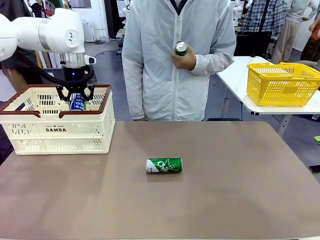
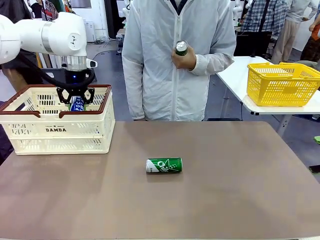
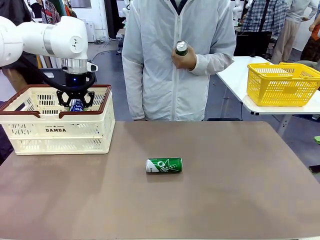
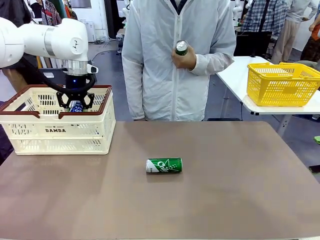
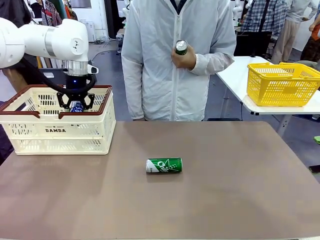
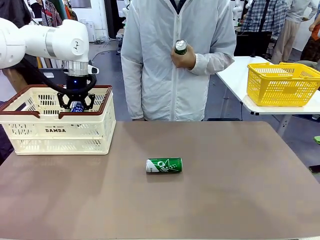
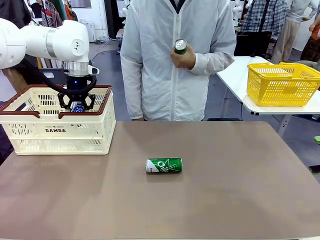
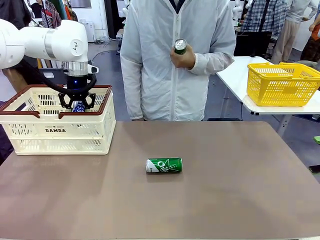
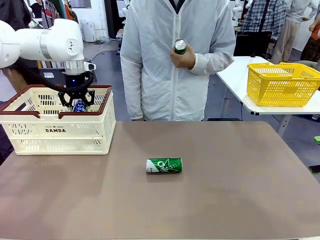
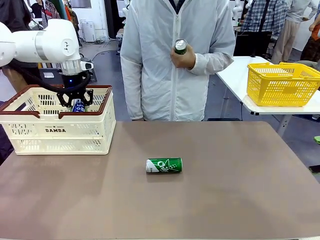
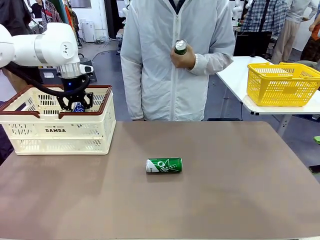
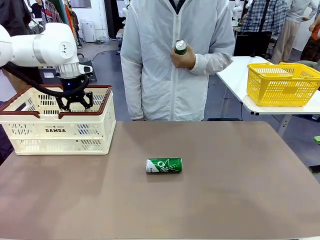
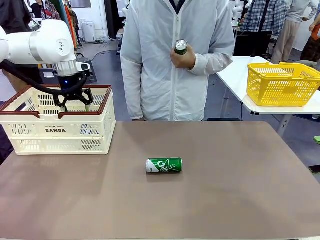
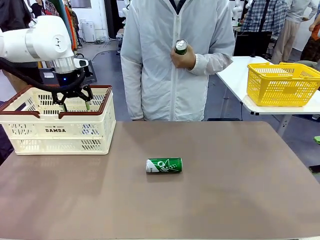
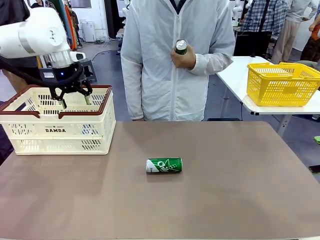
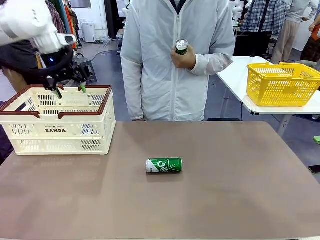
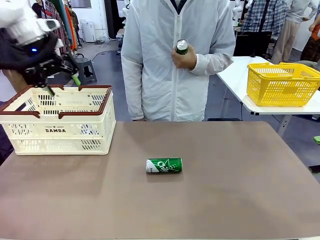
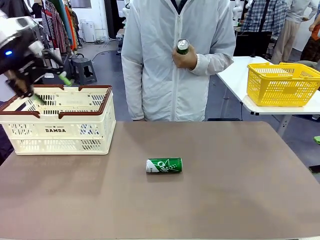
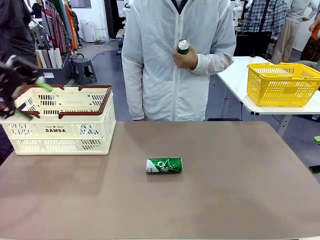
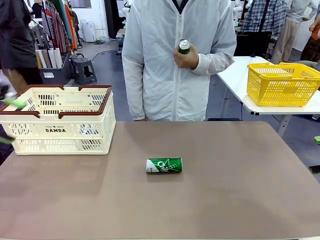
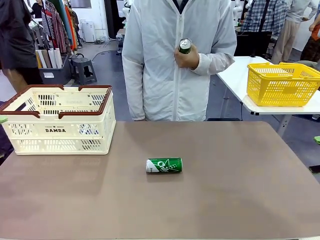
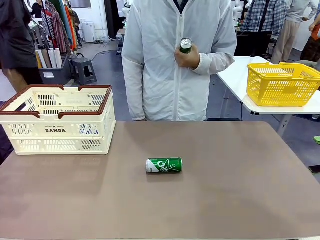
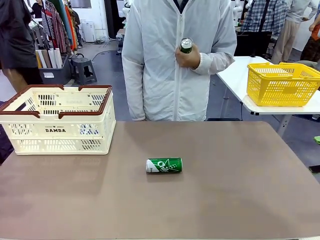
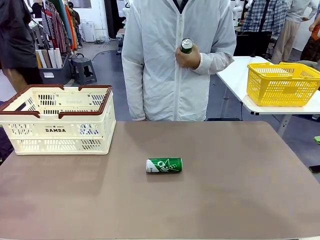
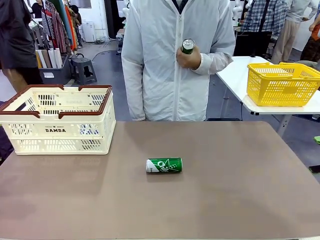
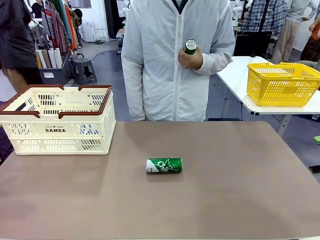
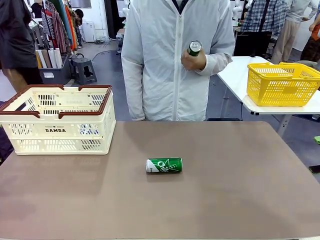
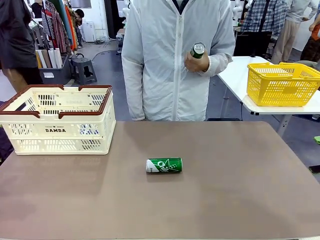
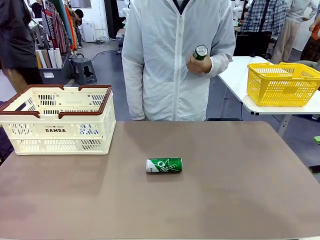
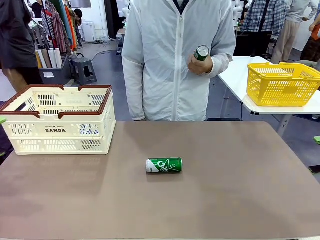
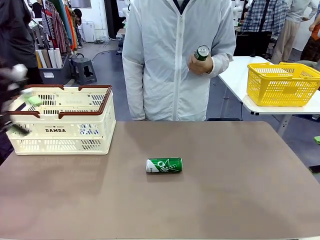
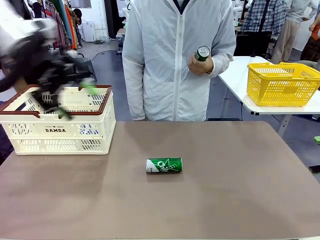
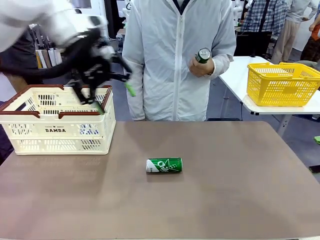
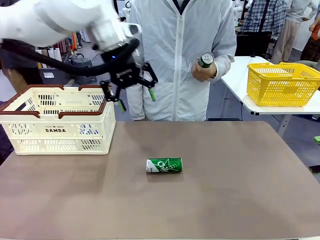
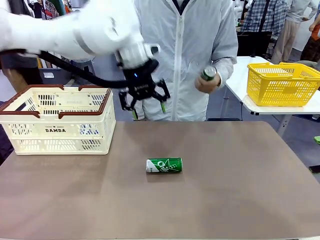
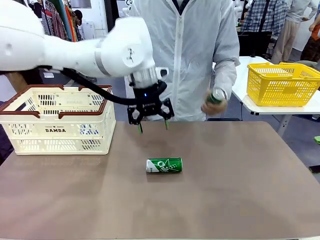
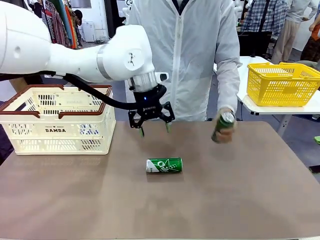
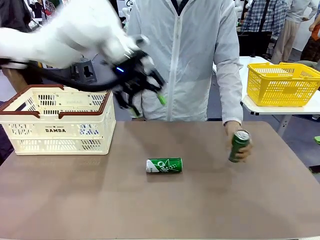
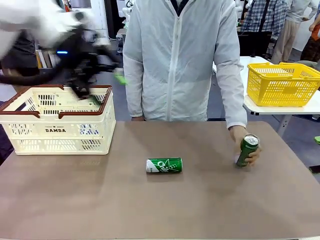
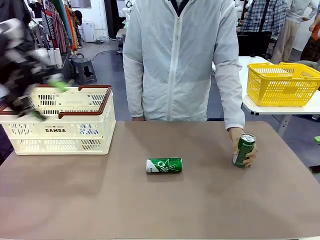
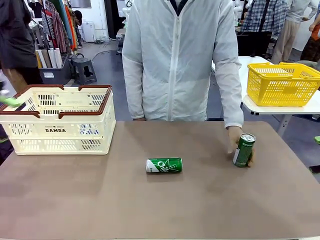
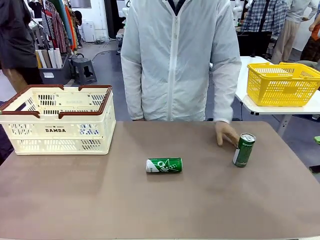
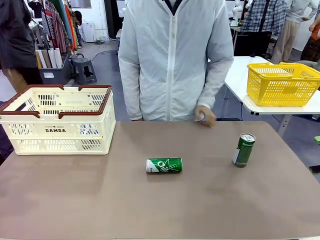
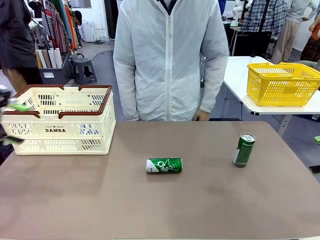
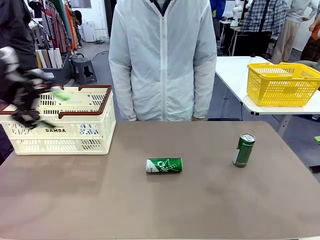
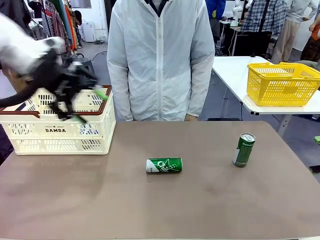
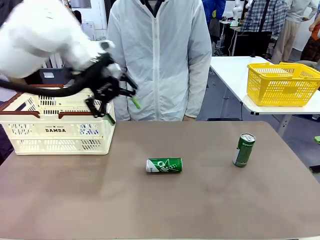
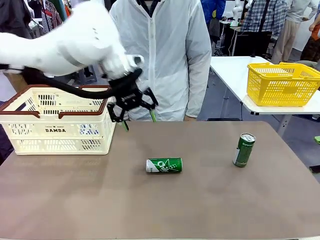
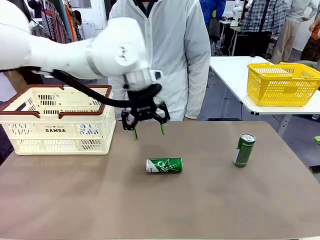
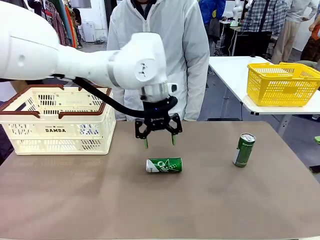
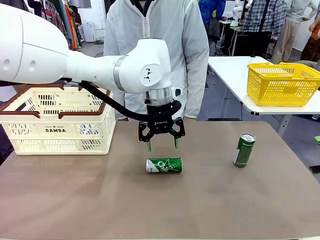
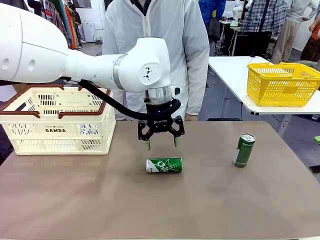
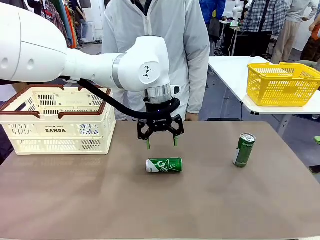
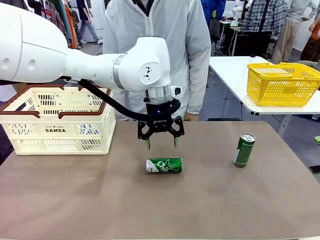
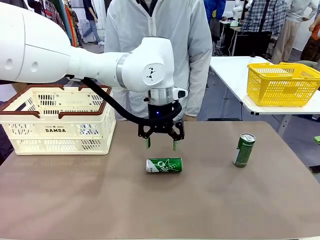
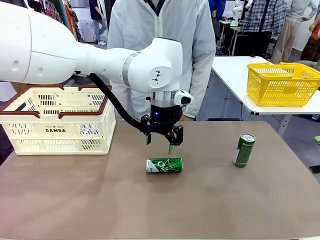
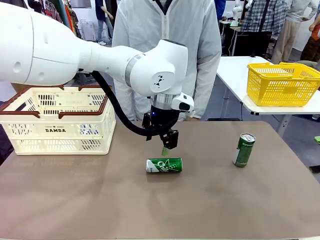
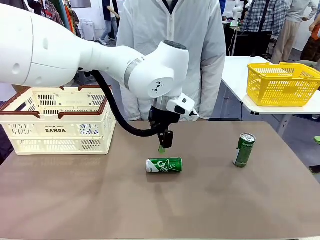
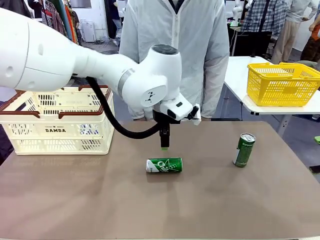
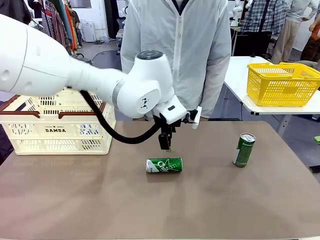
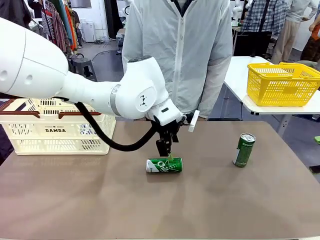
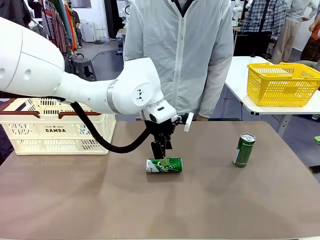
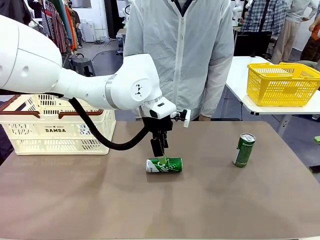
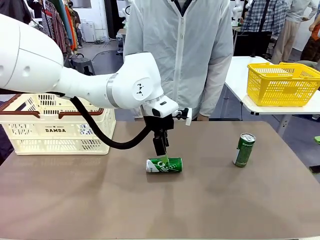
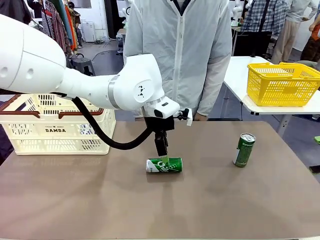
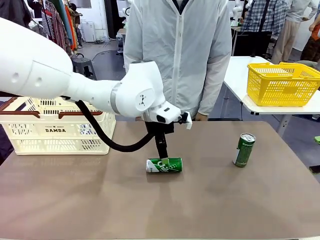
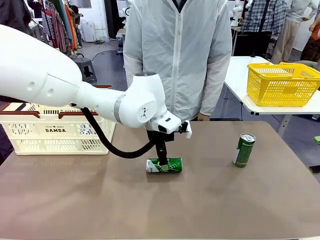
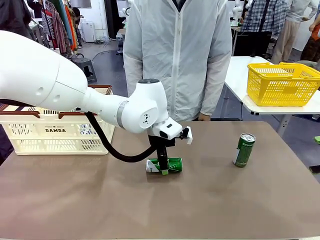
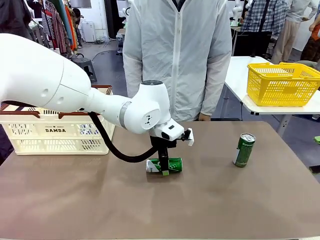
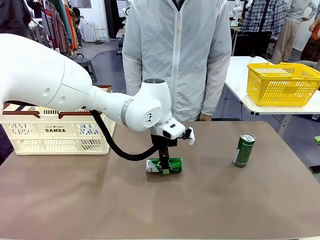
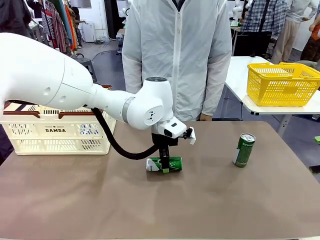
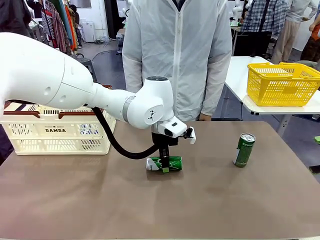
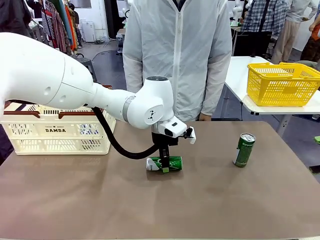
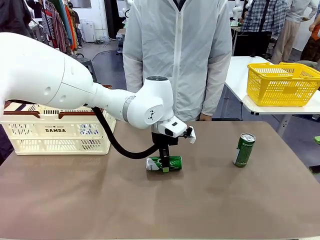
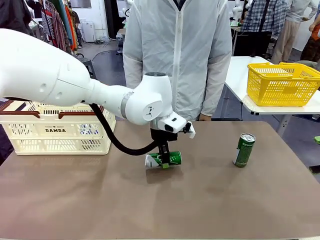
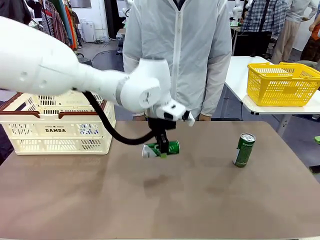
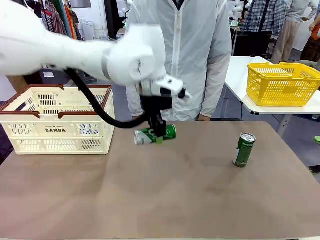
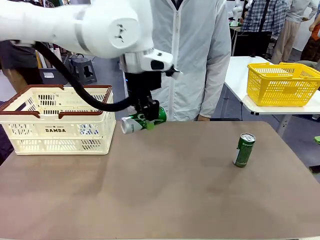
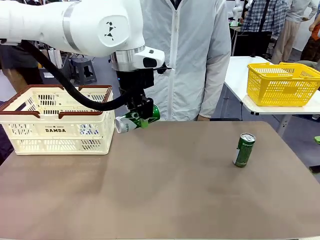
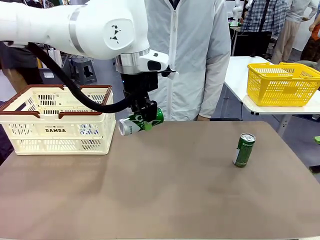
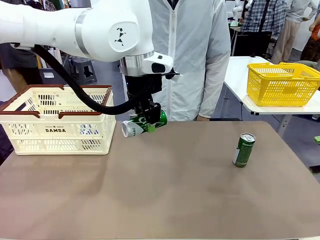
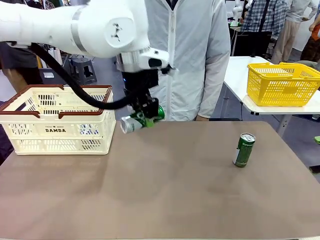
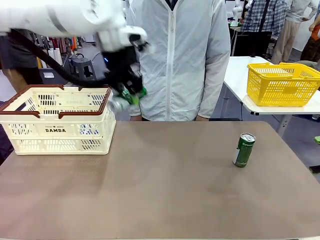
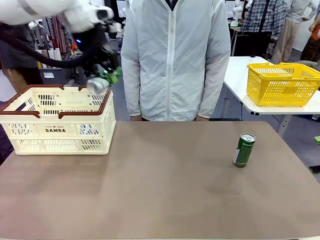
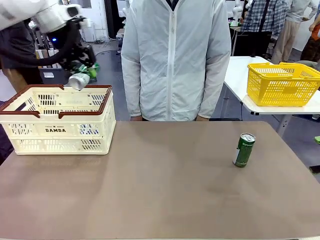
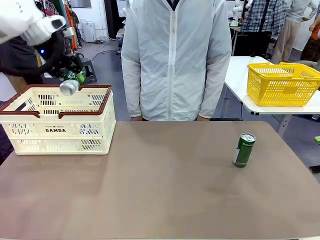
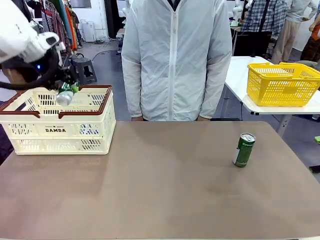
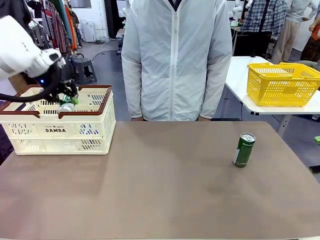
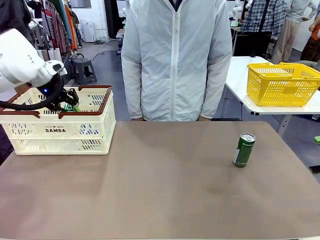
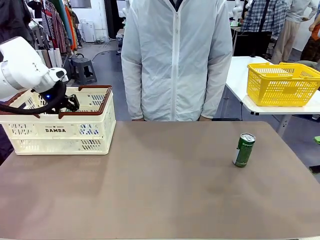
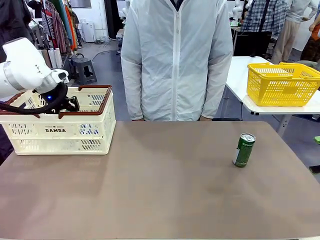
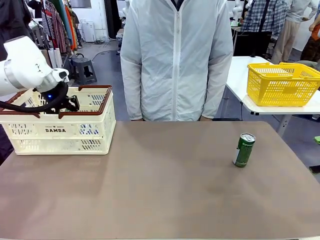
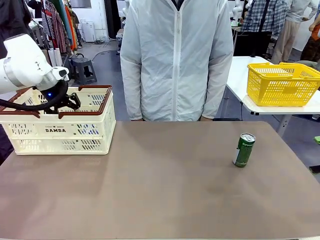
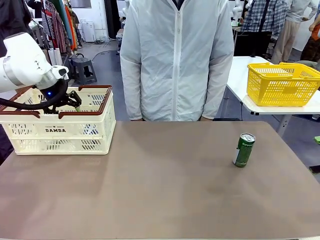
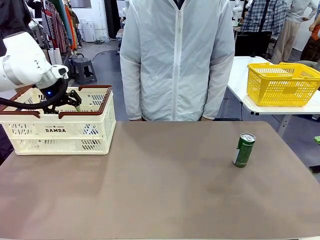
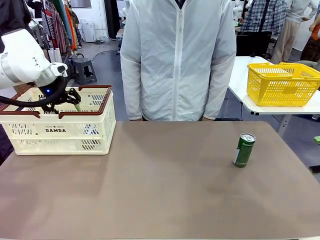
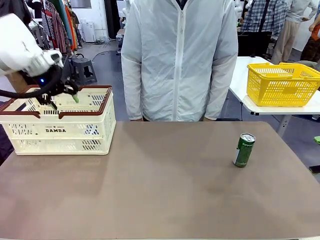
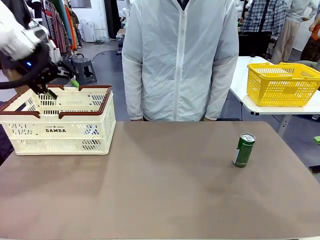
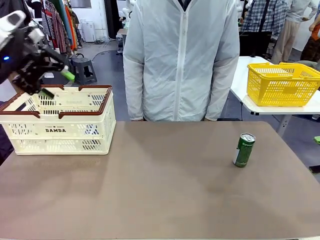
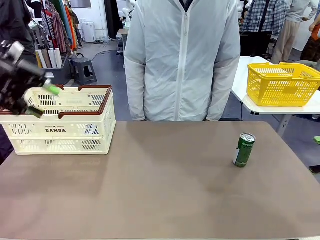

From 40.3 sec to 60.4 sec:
Task: Place the drinks into the Shopping basket.
Robot: Pick up one drink and place it into the Shopping basket.
